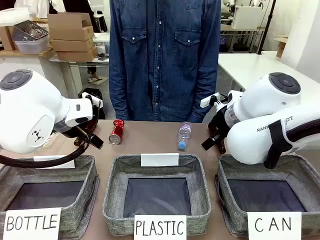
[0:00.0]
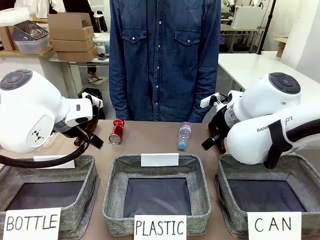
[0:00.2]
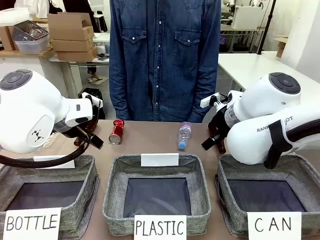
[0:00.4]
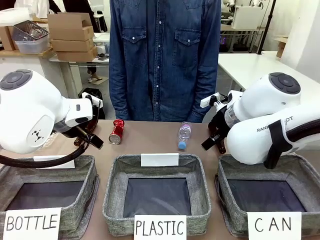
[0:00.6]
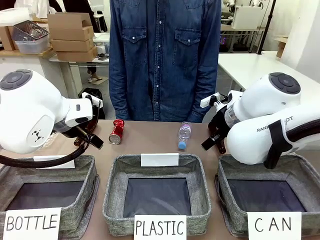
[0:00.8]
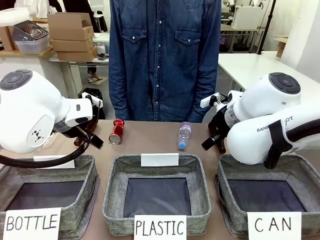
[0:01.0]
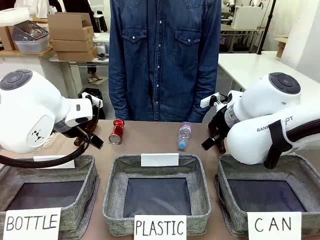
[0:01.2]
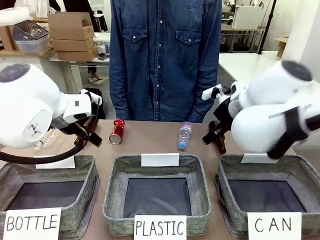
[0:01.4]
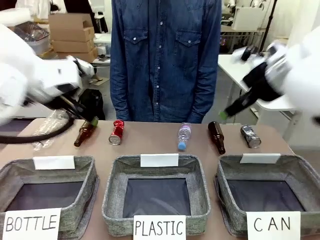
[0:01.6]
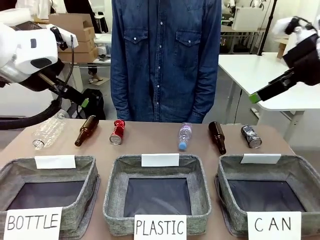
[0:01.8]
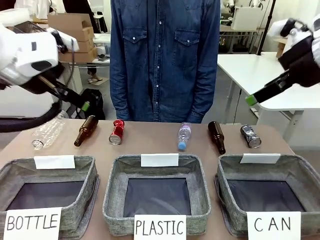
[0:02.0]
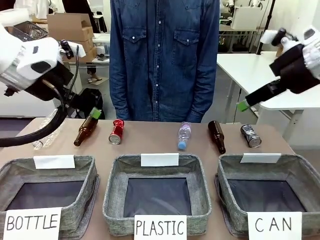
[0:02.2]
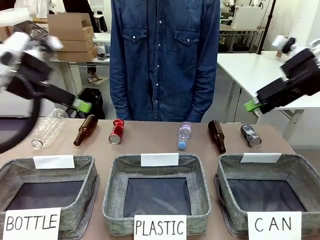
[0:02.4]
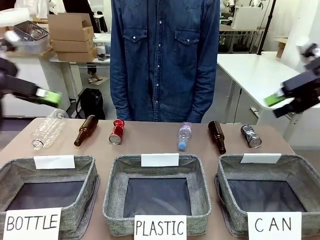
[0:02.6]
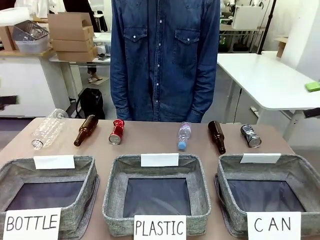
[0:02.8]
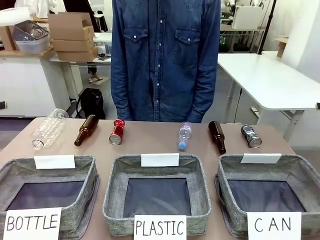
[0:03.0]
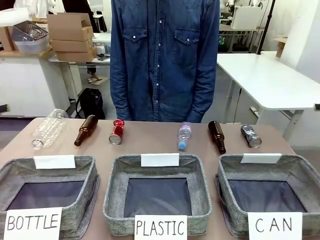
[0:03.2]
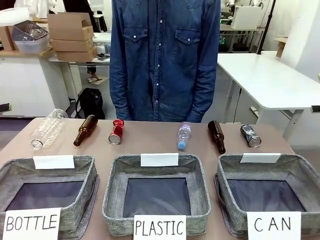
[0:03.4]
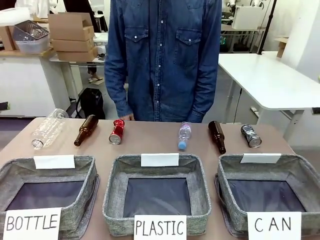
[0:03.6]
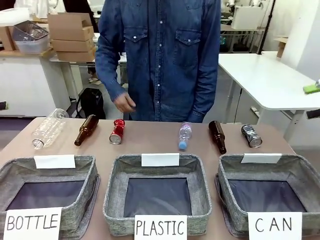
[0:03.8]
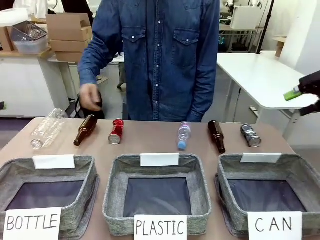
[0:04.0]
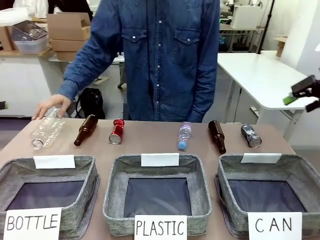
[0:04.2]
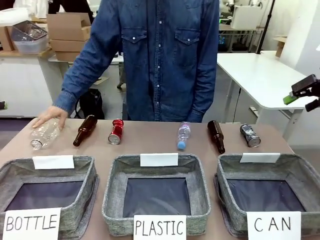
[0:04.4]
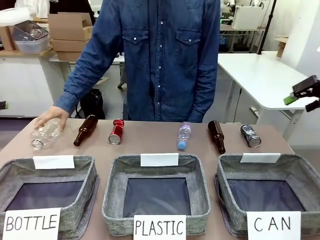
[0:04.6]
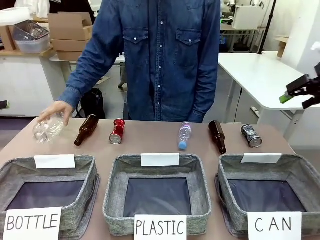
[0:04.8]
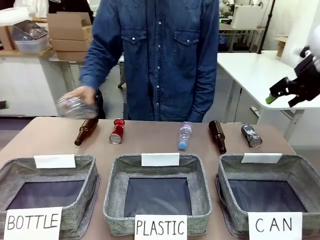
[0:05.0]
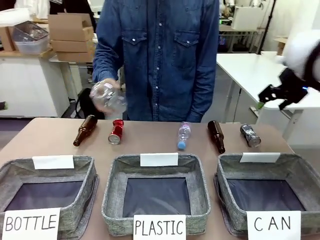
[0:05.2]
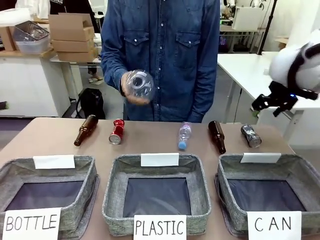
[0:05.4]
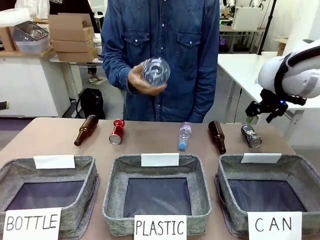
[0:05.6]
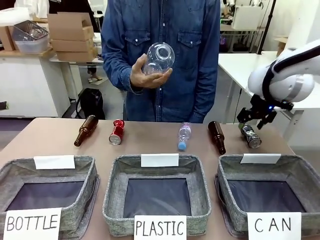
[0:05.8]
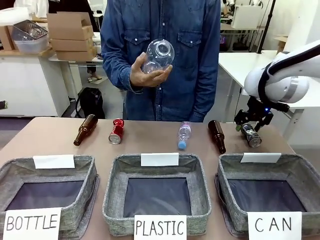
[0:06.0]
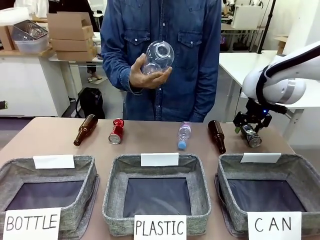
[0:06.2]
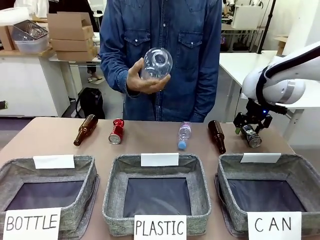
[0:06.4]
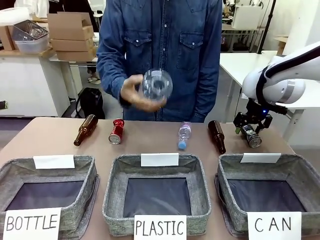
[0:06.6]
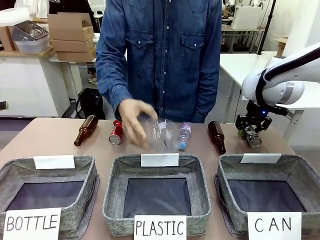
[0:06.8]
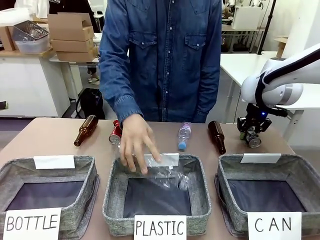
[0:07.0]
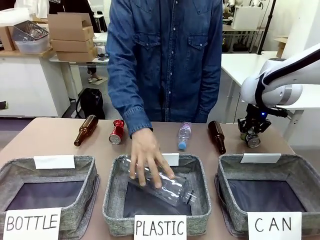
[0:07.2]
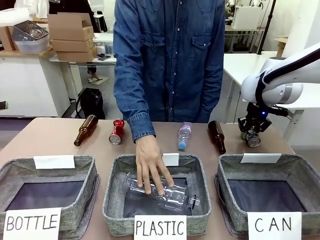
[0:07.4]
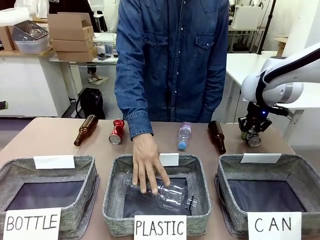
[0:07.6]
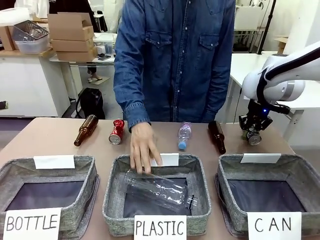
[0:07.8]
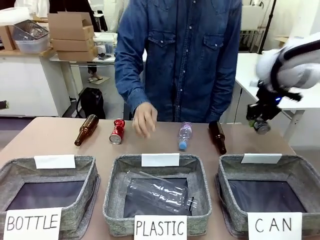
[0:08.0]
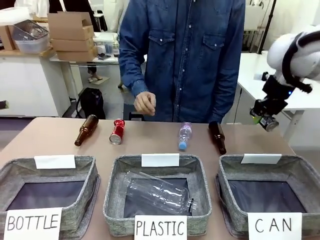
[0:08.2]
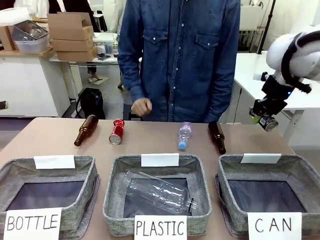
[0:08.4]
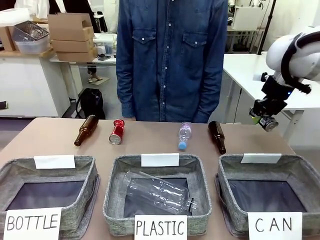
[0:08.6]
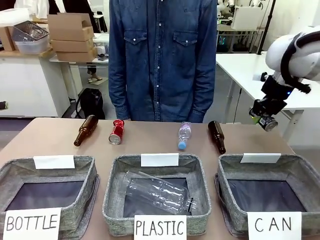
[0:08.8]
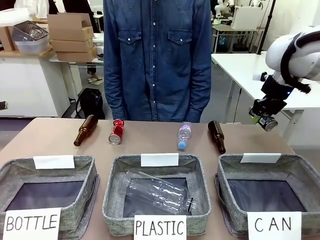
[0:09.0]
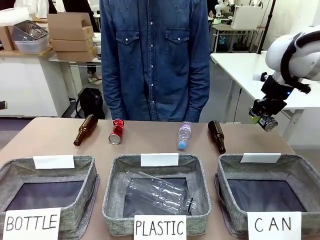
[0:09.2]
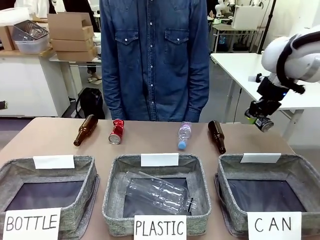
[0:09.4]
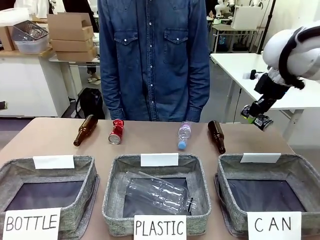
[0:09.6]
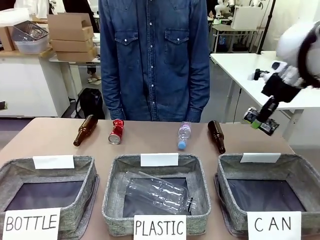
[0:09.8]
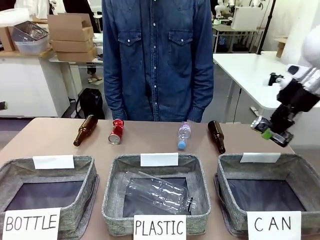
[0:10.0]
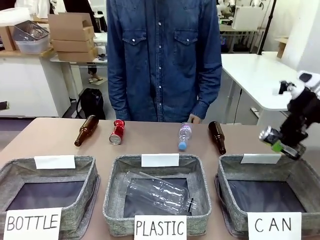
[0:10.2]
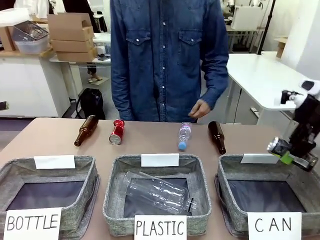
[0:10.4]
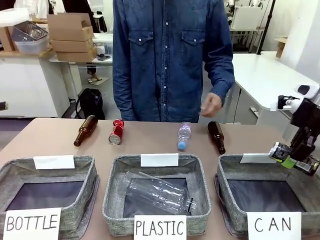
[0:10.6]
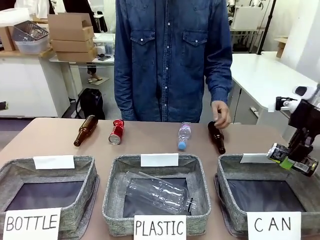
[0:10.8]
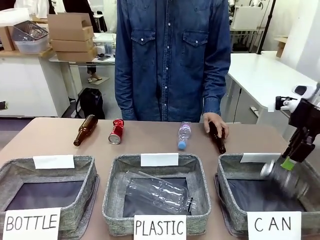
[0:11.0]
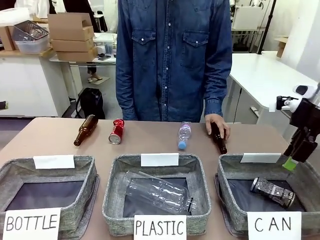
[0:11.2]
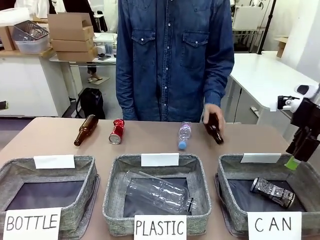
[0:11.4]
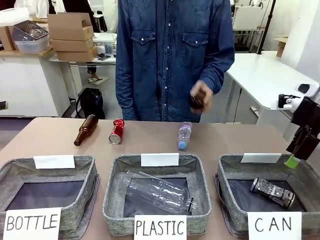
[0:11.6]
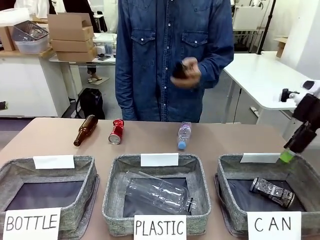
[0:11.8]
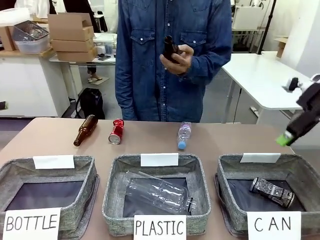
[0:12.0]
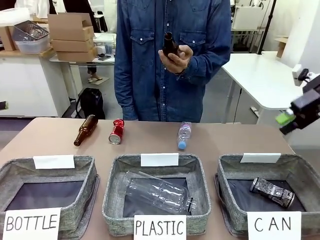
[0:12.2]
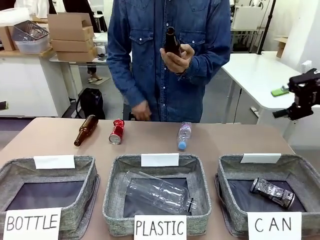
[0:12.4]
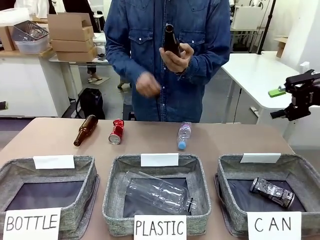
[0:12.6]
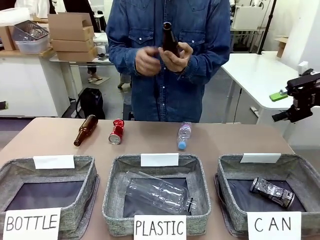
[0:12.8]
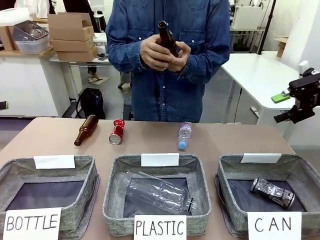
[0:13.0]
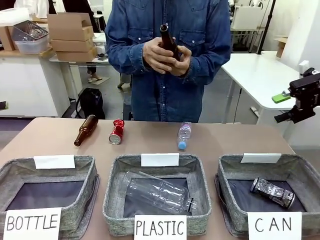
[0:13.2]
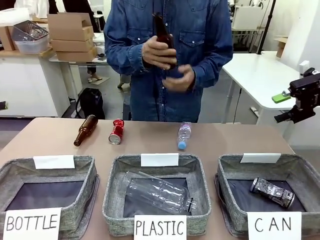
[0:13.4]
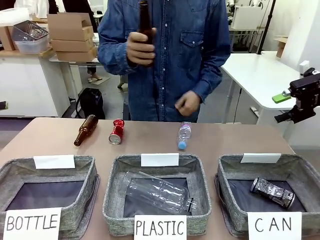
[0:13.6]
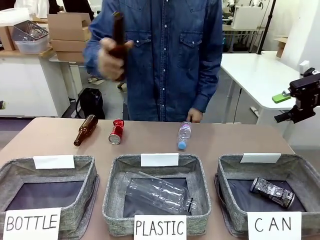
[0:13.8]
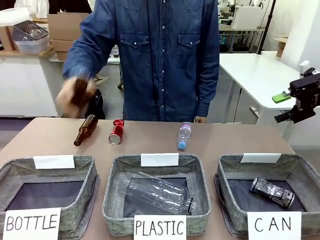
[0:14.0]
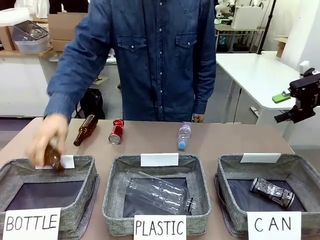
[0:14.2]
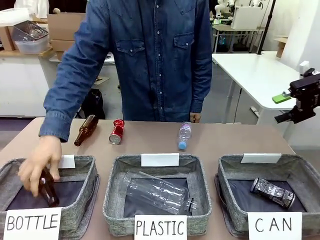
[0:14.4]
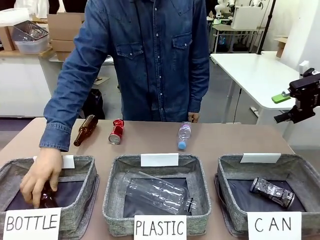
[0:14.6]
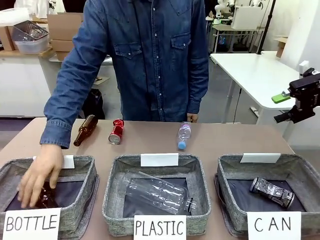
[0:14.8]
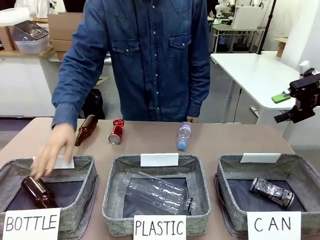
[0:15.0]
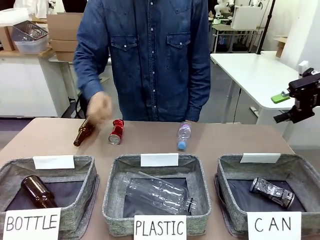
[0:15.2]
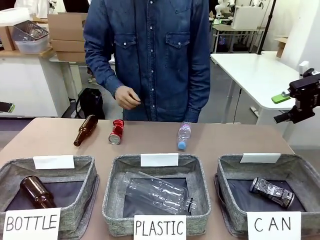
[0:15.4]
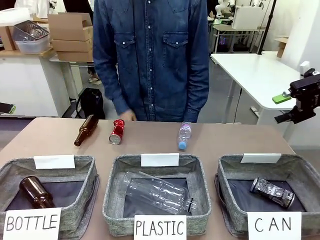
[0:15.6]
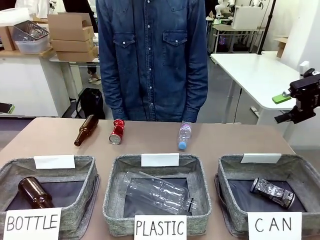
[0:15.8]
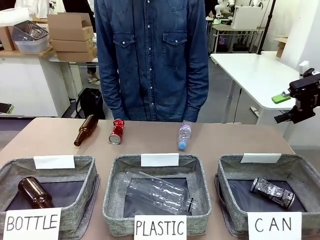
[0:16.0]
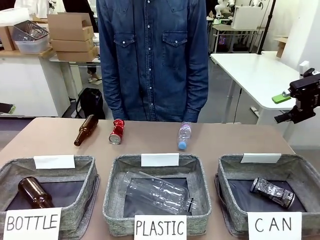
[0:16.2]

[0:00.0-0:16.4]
Task: Sort the can waste into the basket.
Robot: Pick up the can waste from the table and place it in the right Fabric basket.
